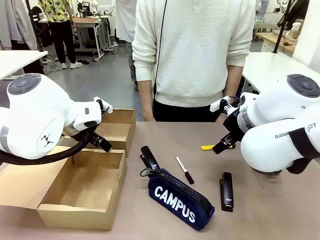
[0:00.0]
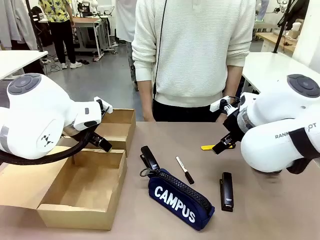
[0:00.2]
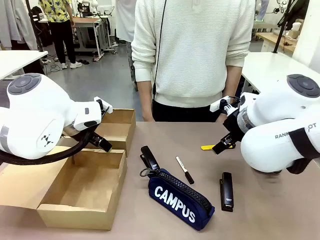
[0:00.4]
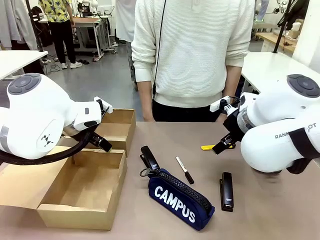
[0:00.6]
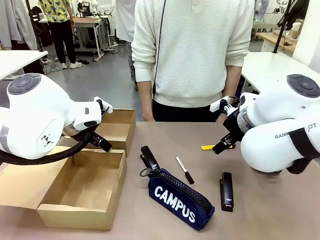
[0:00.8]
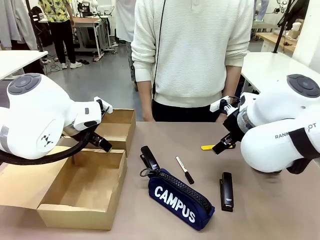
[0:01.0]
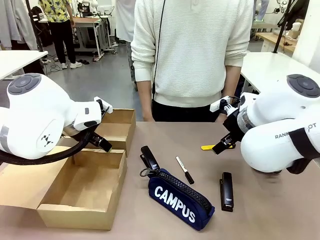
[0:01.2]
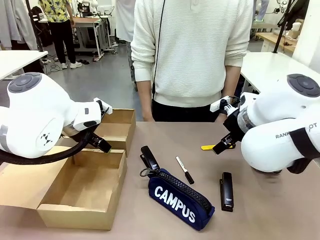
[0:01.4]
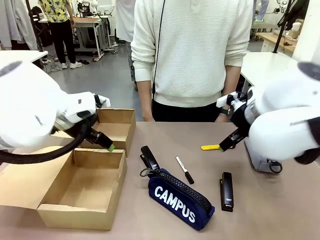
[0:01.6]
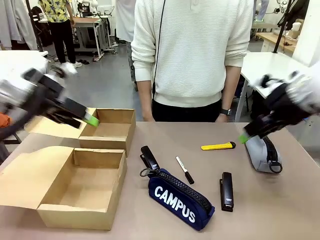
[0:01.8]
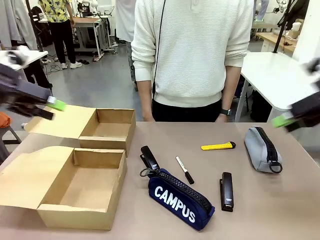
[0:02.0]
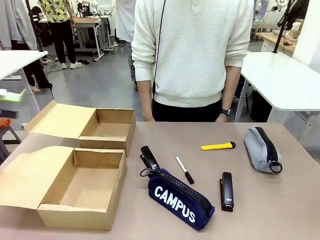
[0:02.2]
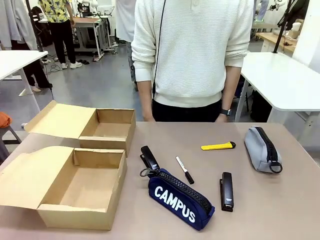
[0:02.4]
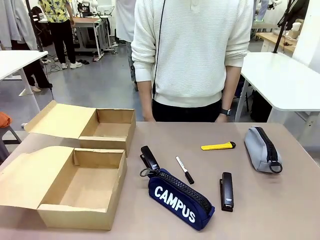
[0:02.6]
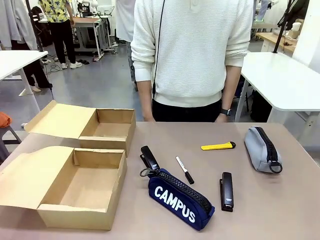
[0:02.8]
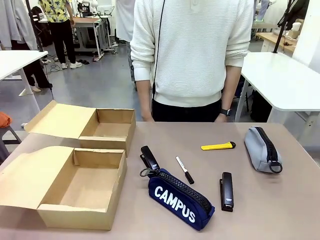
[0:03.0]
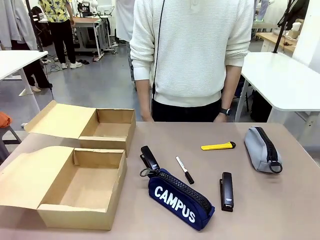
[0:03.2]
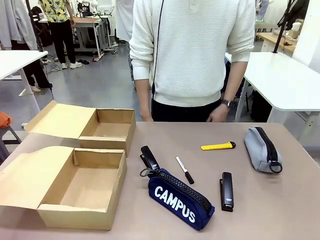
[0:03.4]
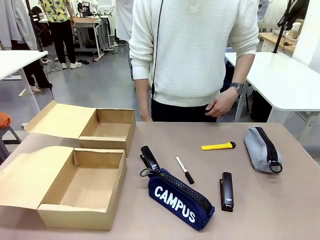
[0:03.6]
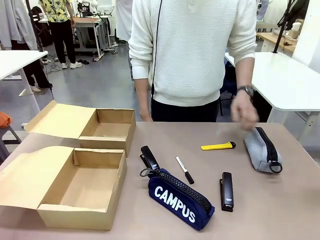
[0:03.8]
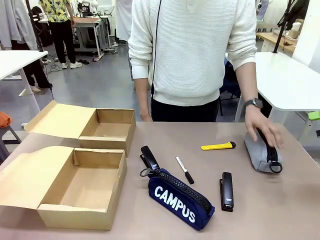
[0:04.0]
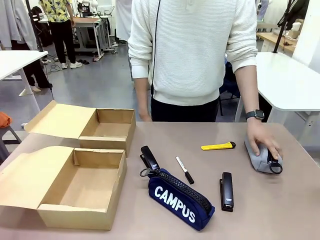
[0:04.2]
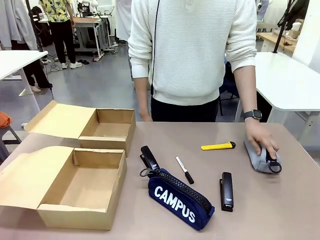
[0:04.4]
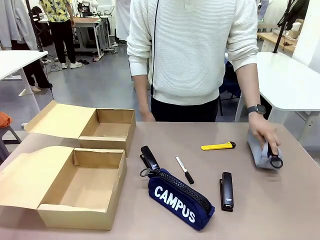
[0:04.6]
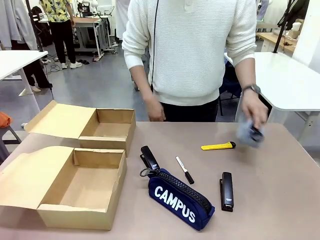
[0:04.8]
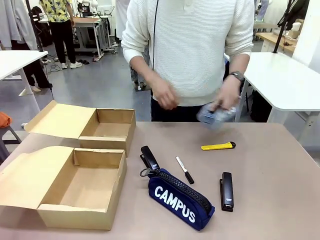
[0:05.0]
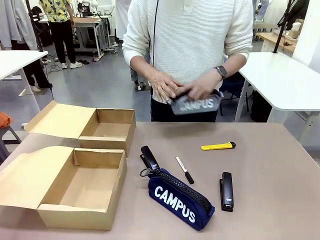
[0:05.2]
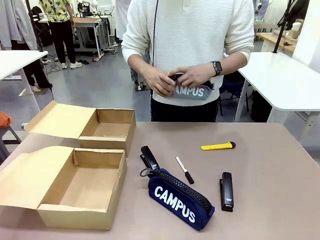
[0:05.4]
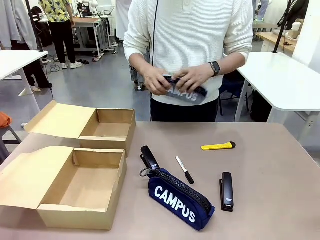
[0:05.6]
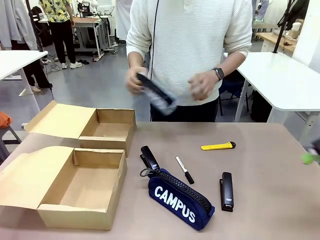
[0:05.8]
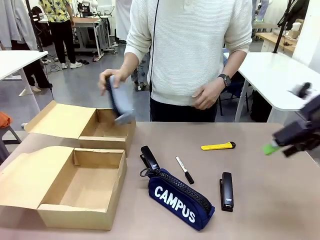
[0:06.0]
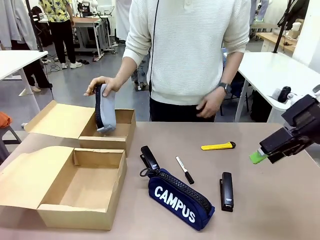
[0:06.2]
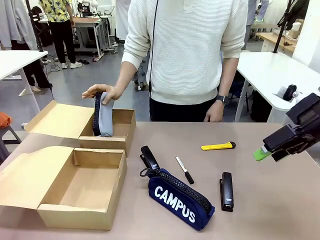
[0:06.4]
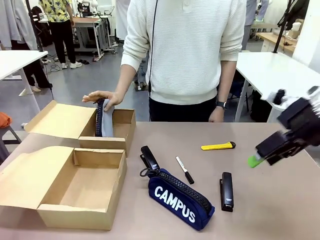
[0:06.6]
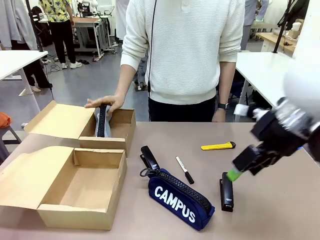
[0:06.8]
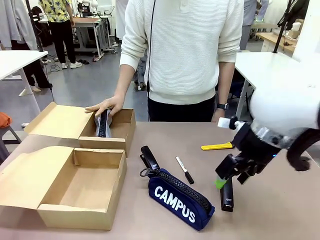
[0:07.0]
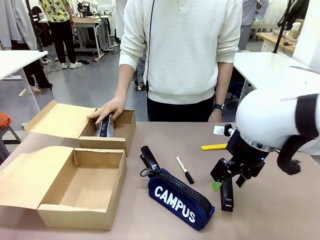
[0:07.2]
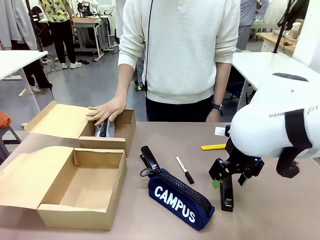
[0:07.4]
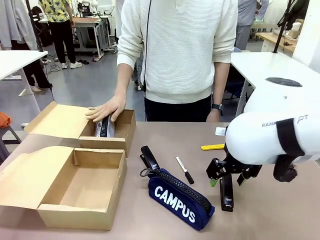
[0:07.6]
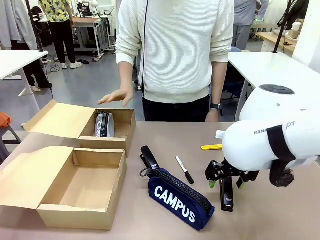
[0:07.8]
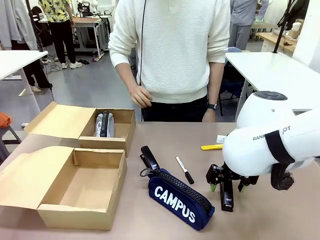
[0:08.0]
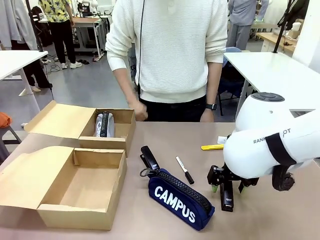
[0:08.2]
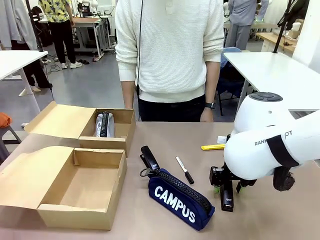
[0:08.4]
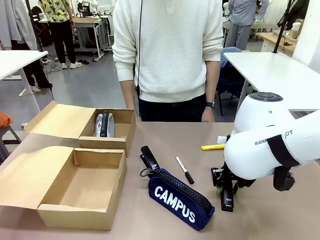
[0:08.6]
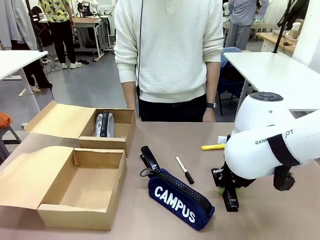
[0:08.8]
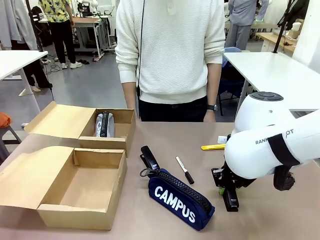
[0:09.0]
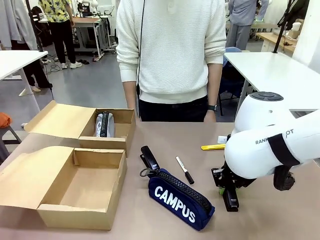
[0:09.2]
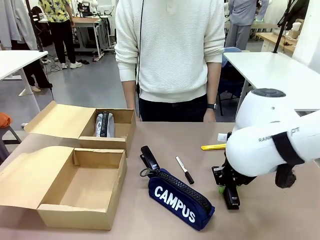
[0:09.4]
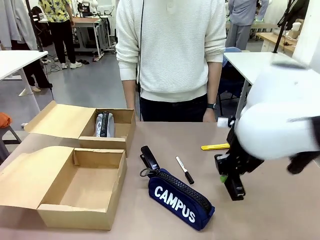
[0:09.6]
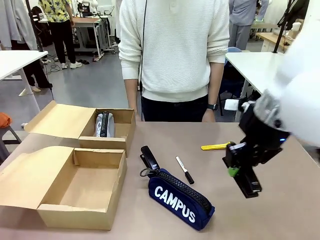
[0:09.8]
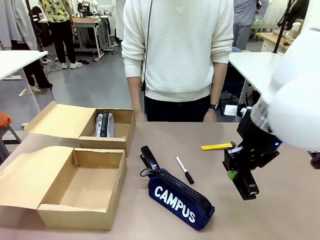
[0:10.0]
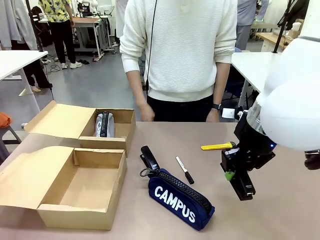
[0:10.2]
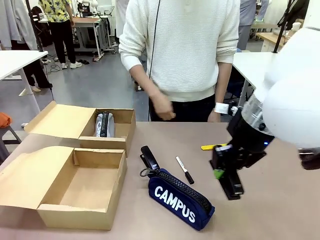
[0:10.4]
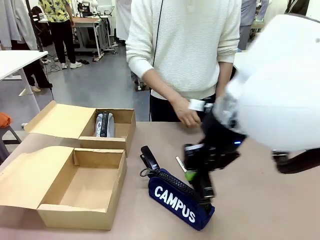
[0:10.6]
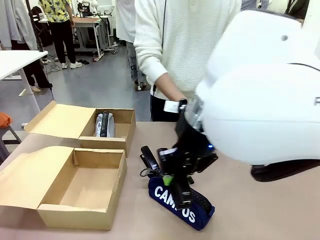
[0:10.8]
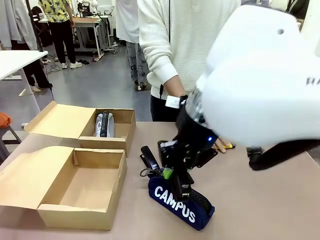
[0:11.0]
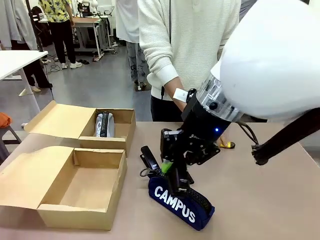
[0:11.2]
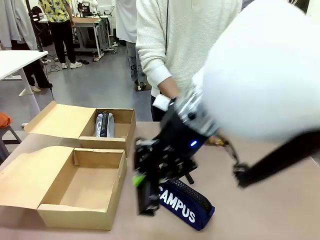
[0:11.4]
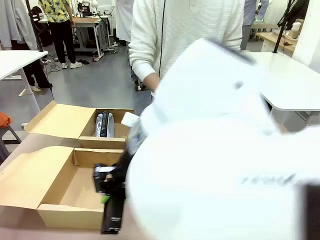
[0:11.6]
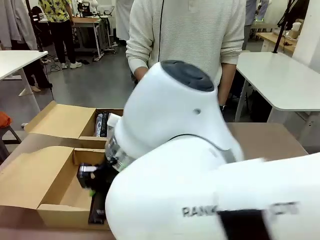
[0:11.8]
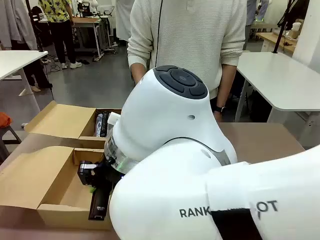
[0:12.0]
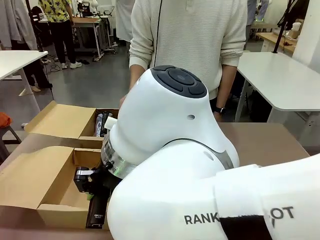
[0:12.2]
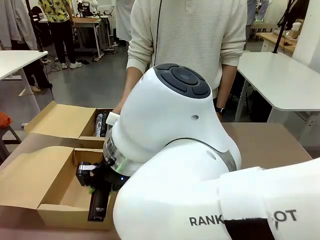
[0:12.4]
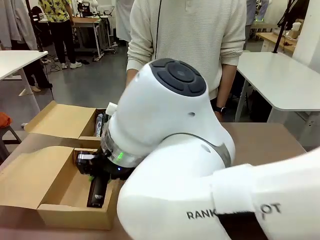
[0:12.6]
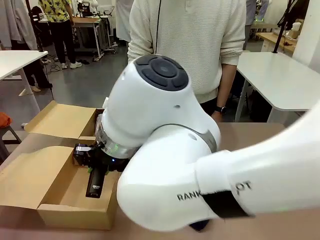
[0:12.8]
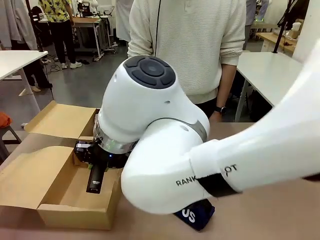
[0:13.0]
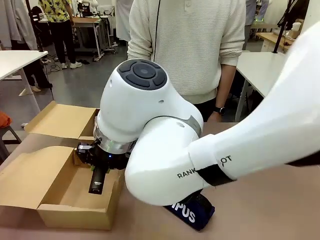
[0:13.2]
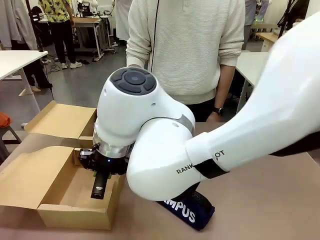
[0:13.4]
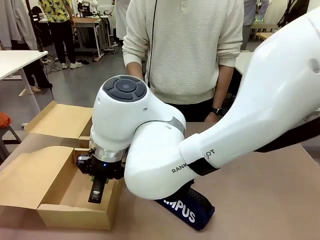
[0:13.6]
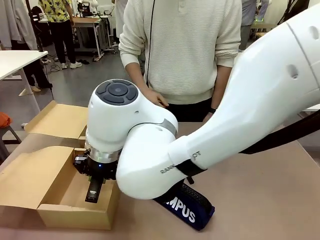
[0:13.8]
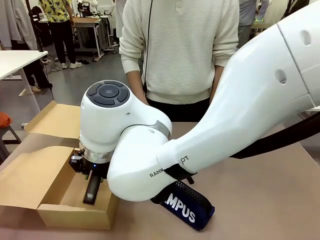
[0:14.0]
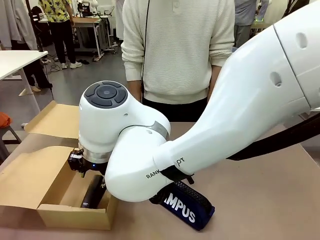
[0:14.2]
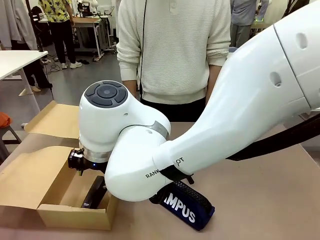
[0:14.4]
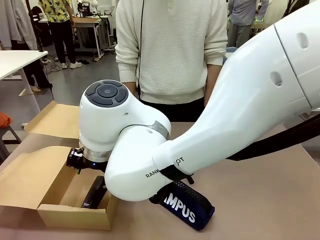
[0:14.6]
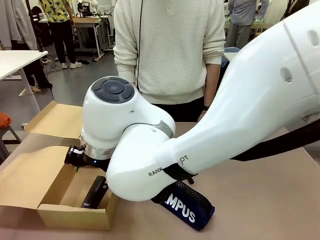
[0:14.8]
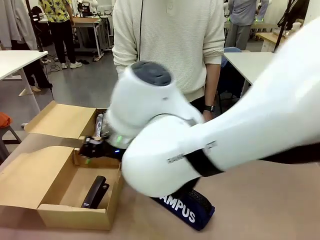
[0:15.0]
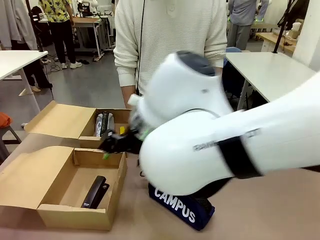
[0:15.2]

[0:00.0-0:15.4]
Task: Place items inside the box.
Robot: Pick up a Pencil pouch or Stapler and place it inside the Mailer Box closest to the robot.
Person: Pick up an object on the table and put it in the box.
